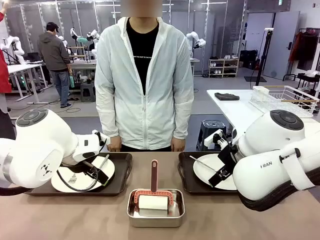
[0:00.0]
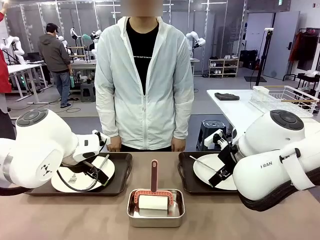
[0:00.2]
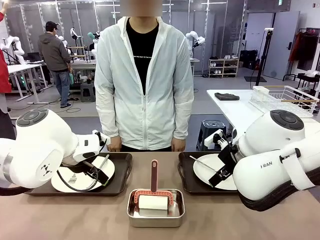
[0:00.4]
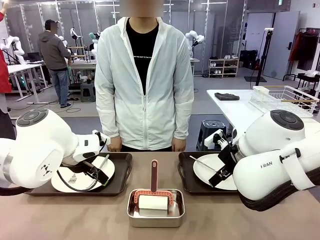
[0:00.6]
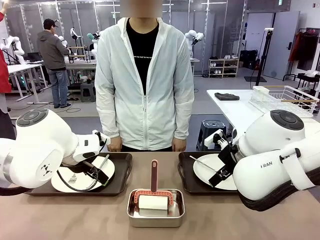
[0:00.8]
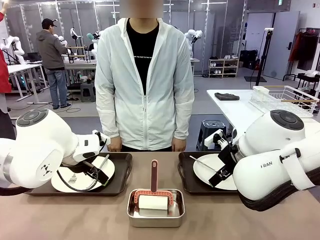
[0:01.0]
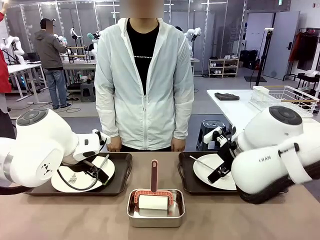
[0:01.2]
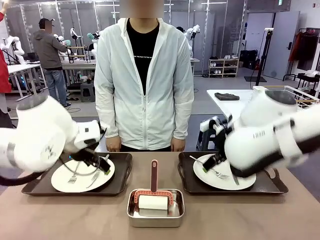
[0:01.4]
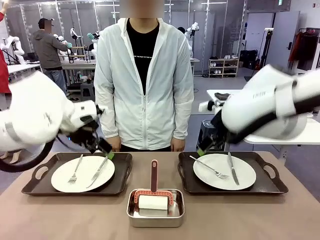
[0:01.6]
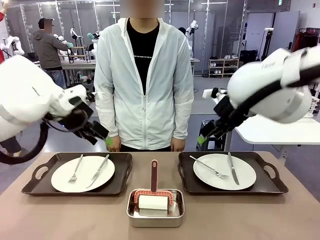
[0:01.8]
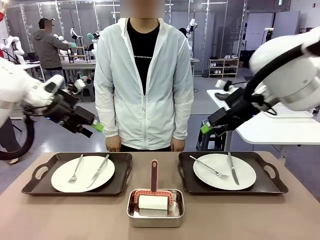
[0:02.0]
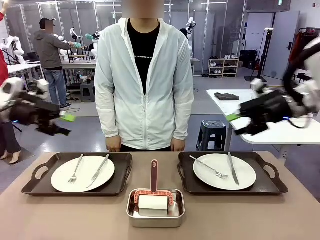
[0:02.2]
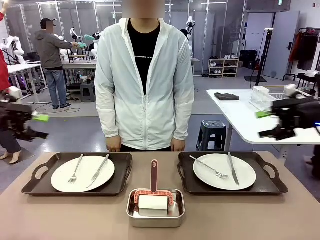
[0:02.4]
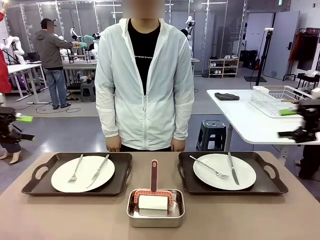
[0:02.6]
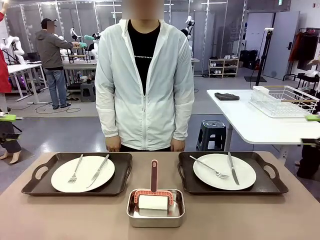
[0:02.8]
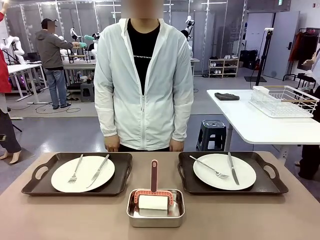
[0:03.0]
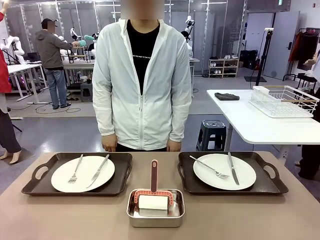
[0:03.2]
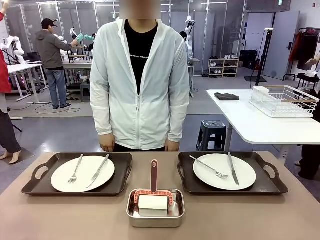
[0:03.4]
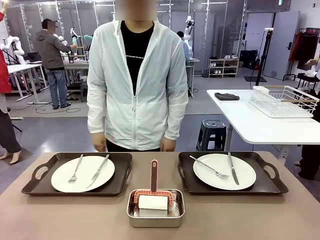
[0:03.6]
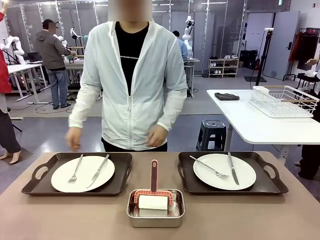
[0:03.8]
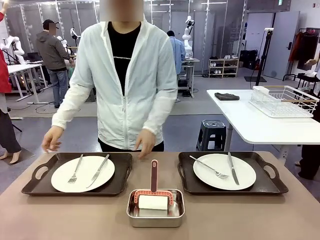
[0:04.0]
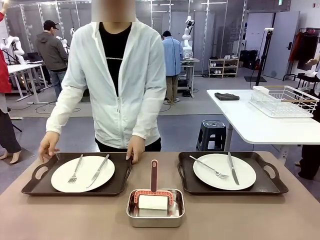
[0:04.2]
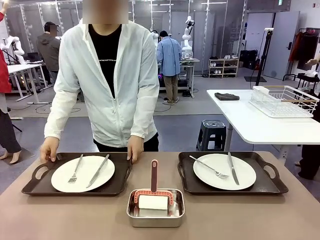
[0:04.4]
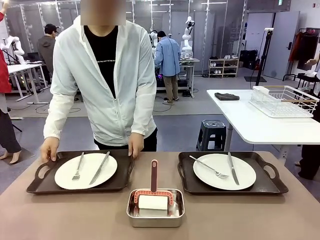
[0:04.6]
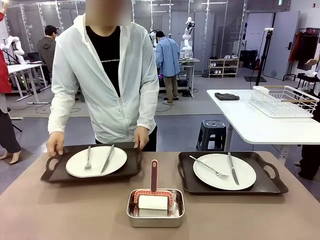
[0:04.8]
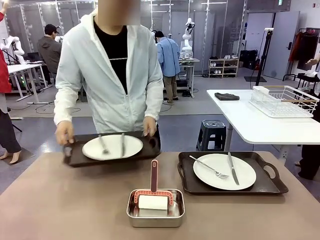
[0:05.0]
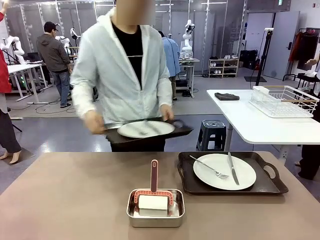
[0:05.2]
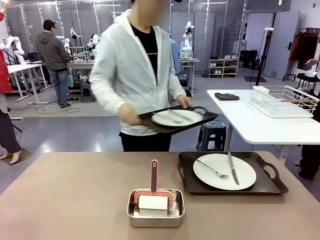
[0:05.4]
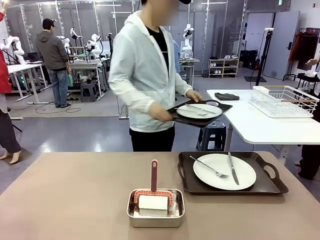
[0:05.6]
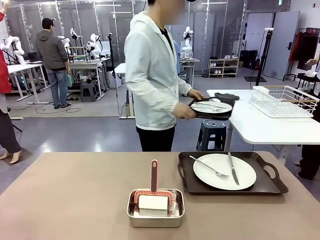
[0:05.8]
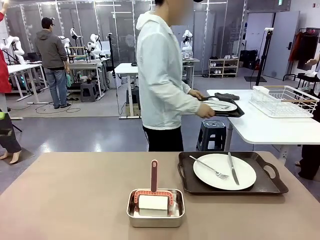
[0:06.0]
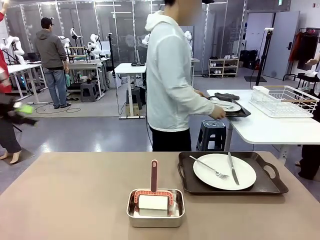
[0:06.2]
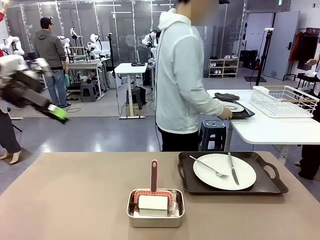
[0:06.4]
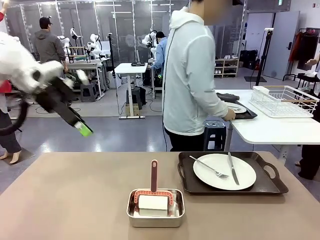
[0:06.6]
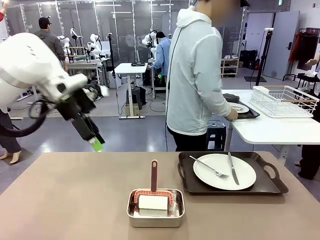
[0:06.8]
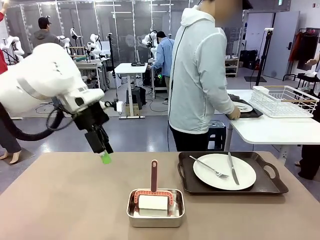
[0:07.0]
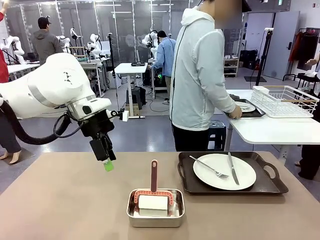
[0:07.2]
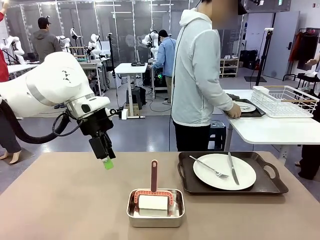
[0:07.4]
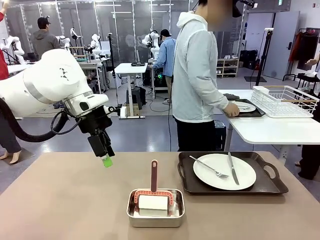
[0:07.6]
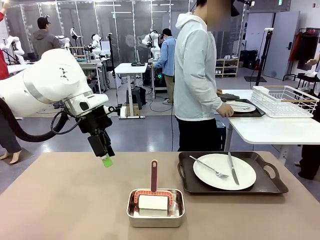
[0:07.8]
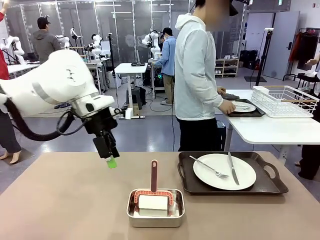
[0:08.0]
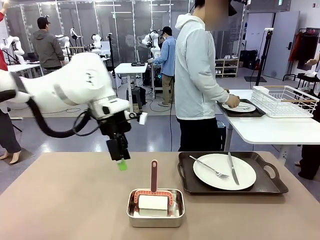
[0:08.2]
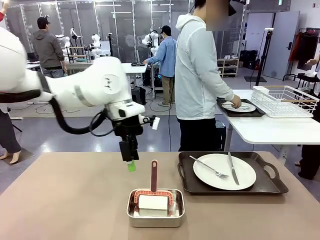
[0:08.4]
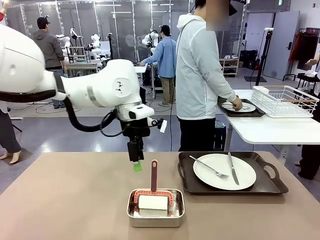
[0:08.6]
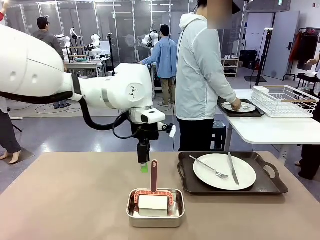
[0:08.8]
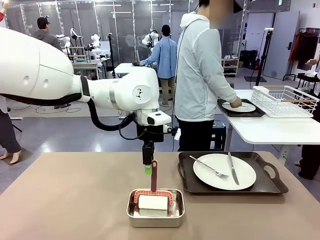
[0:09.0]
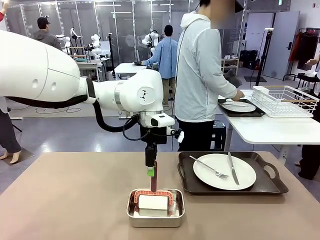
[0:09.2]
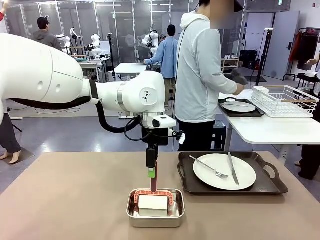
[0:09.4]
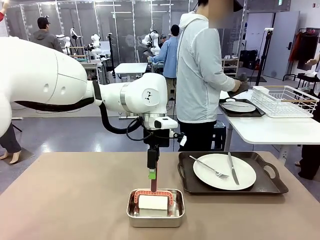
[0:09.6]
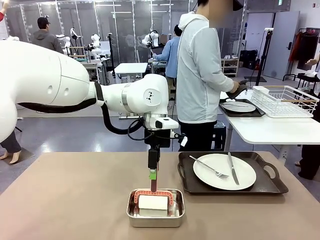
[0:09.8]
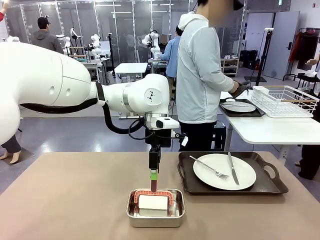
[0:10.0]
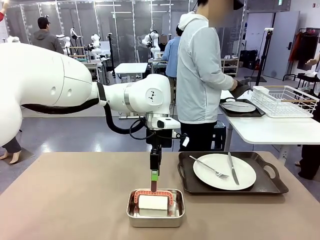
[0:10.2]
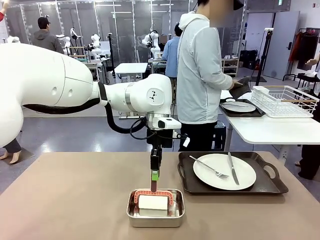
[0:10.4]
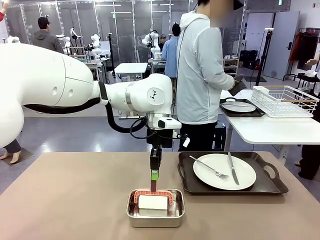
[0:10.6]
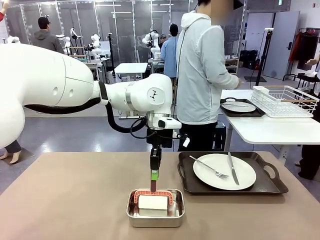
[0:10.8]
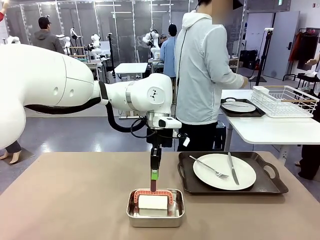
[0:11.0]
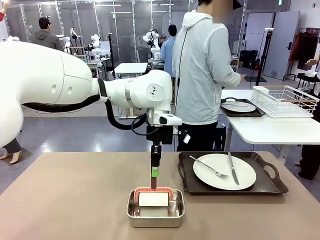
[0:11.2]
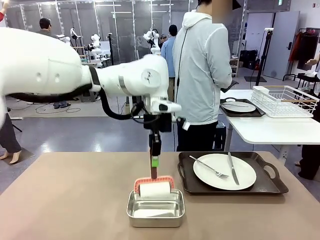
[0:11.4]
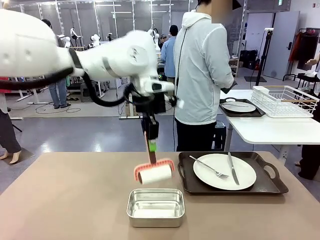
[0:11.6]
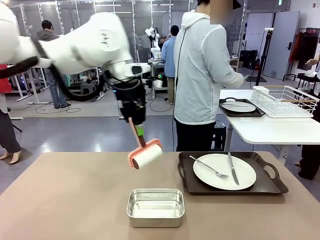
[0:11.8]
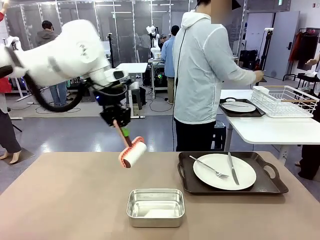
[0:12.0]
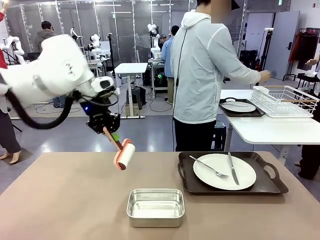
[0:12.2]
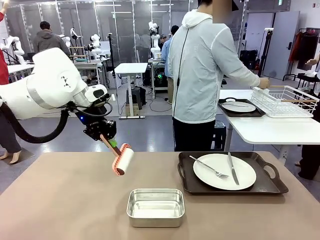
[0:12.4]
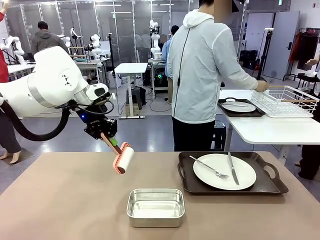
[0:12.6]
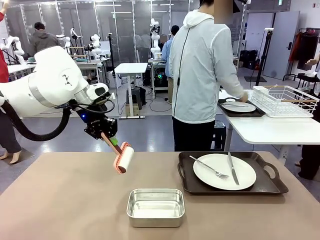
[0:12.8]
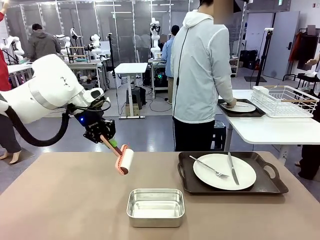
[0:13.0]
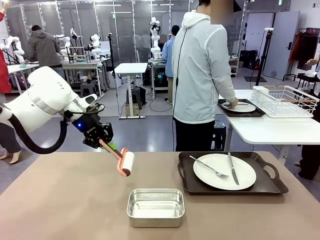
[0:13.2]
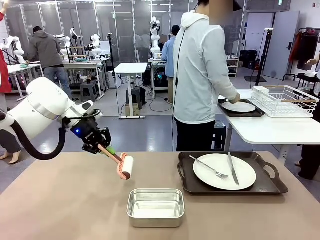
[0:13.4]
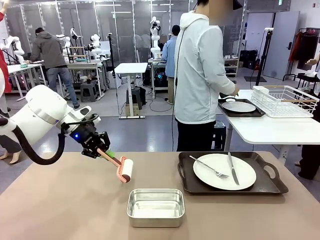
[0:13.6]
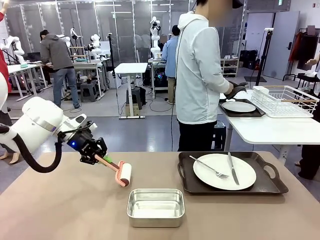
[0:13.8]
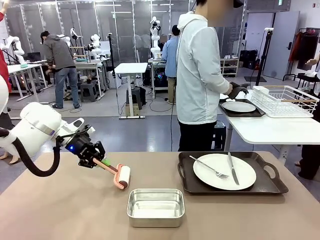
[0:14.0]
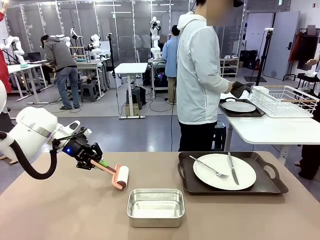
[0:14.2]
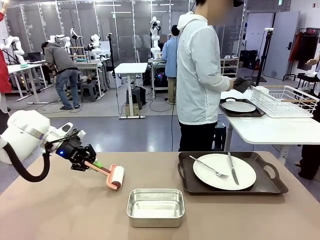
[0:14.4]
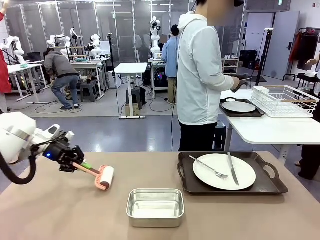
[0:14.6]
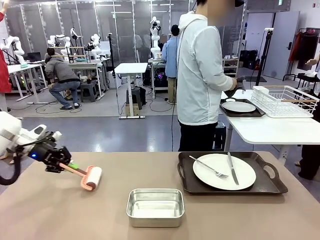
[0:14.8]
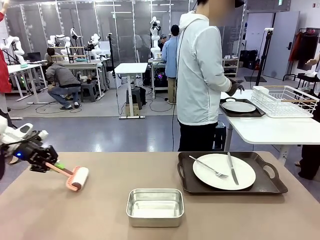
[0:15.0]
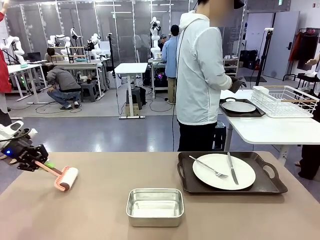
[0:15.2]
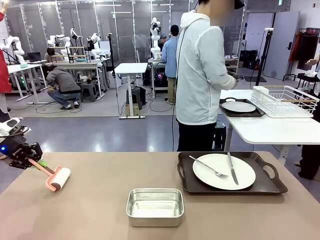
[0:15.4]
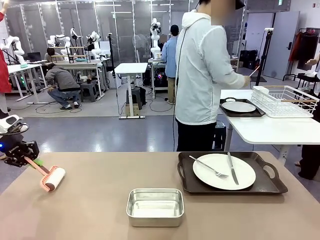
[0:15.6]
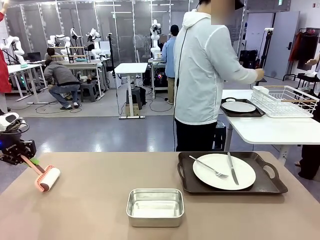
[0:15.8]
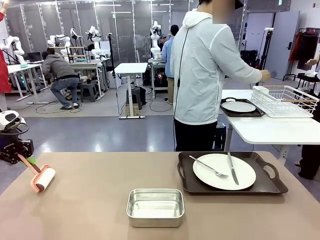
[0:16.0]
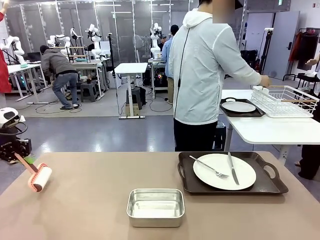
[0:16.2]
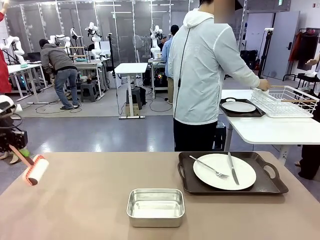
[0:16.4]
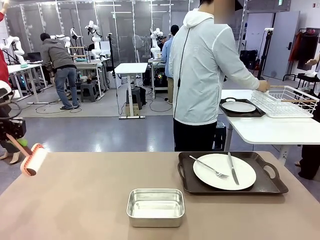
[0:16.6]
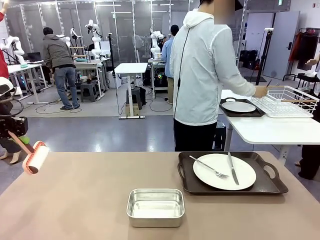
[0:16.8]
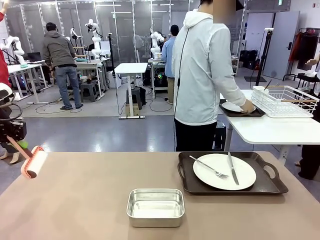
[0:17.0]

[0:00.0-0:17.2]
Robot: When the left (or right) Handle tray is removed, use the left hand (or right hand) to clean the left (or right) side of the table with the Lint Roller.
Person: Pick up the left (or right) Handle tray and place it on the middle of the Human's table. Use the Towel with hook to wipe the Plastic Matte Plate , Fork , and Knife and place into the Dish drying rack.

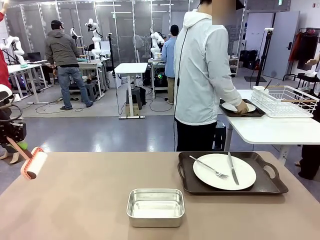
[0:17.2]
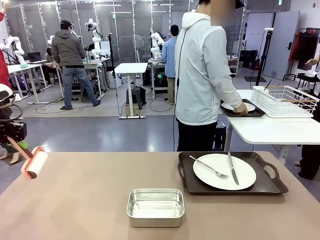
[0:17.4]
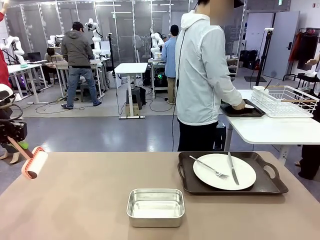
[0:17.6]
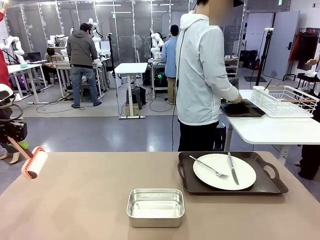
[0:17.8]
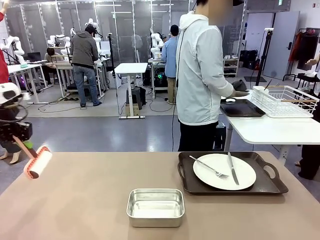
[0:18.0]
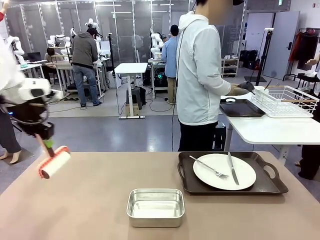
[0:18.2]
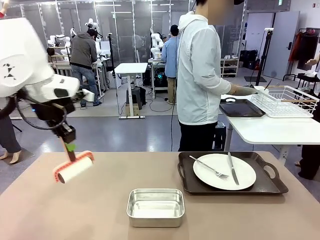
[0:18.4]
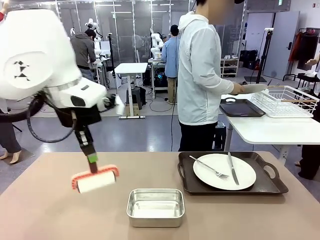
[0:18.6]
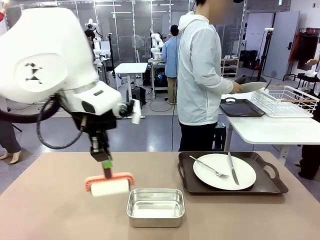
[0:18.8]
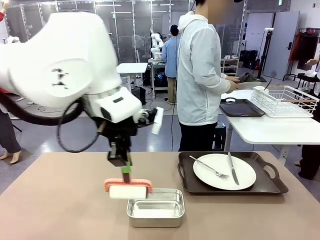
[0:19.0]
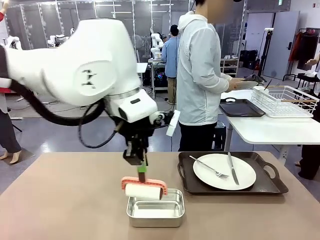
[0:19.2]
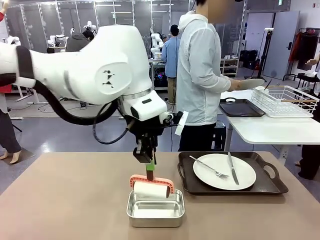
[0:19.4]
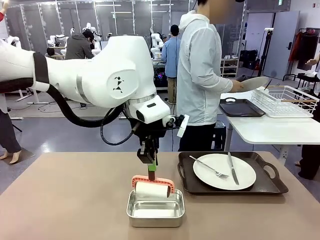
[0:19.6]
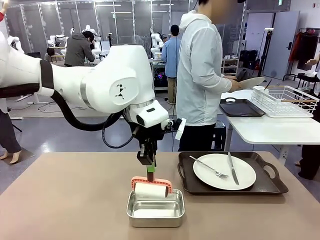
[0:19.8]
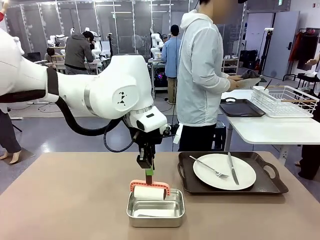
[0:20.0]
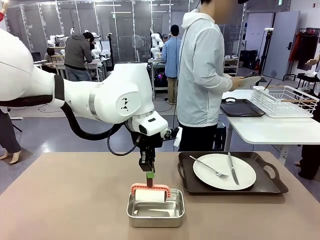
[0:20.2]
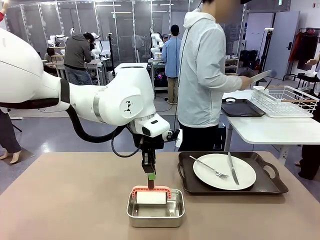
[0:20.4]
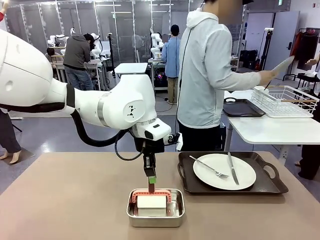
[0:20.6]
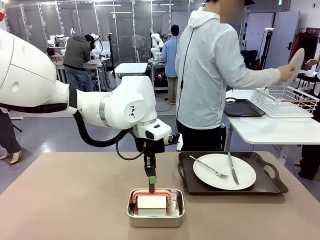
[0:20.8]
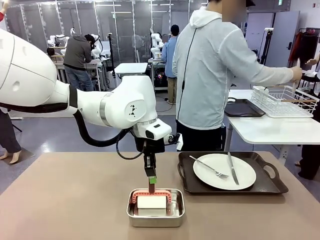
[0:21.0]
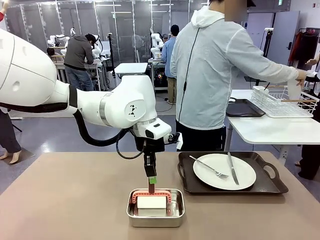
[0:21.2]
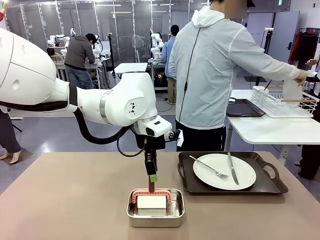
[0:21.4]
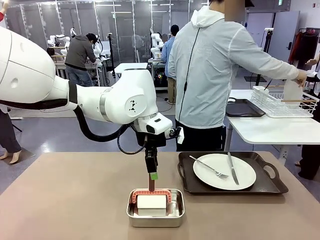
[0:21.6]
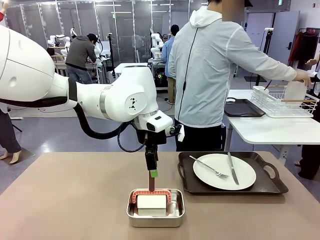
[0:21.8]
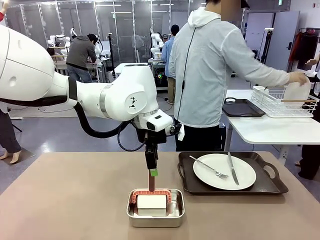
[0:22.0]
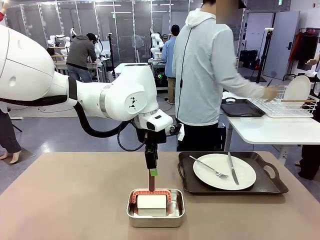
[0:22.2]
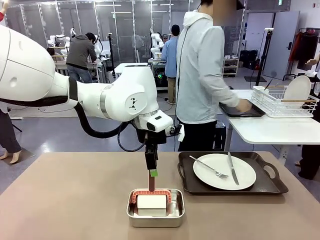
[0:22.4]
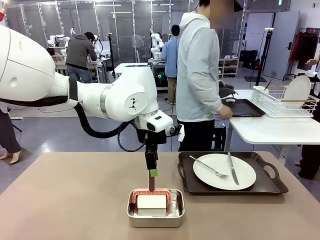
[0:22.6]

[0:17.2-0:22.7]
Robot: Place the Lint Roller back on top of the Airtight Container.
